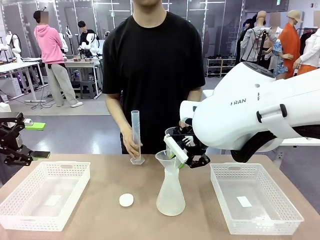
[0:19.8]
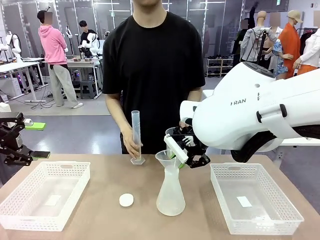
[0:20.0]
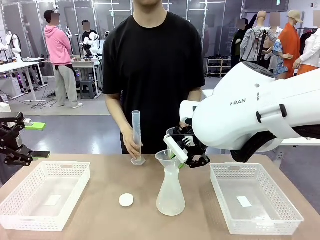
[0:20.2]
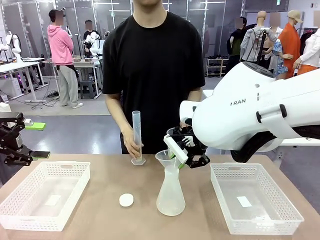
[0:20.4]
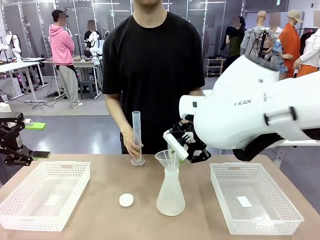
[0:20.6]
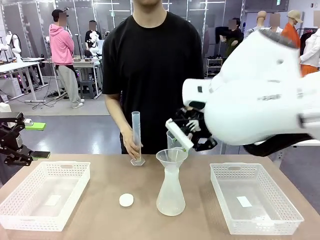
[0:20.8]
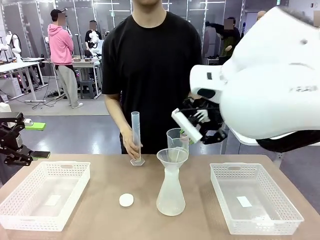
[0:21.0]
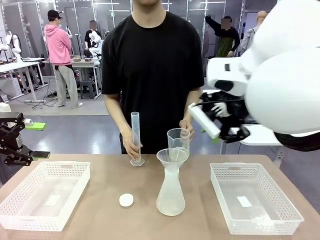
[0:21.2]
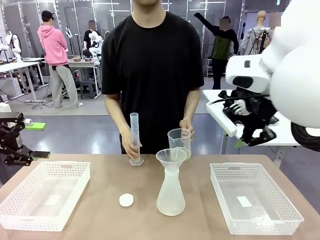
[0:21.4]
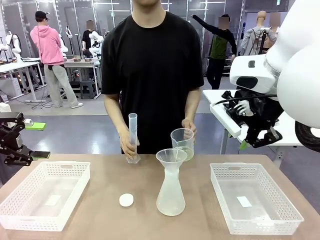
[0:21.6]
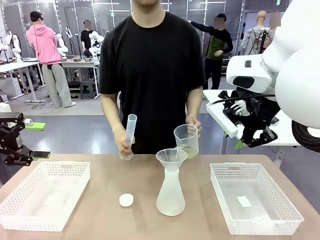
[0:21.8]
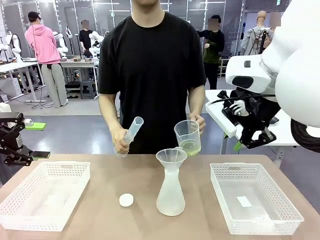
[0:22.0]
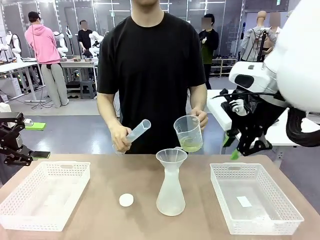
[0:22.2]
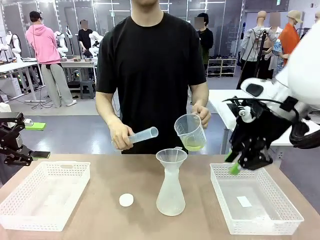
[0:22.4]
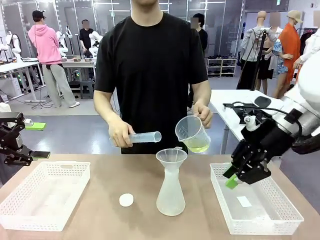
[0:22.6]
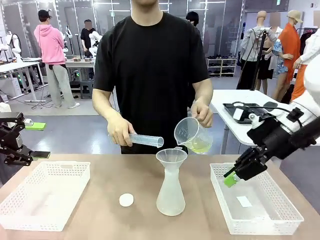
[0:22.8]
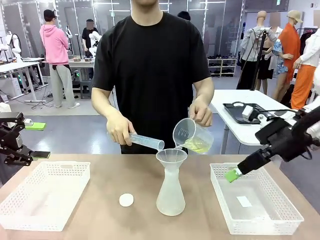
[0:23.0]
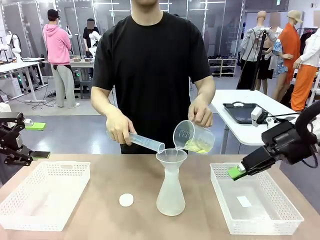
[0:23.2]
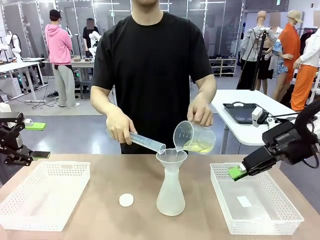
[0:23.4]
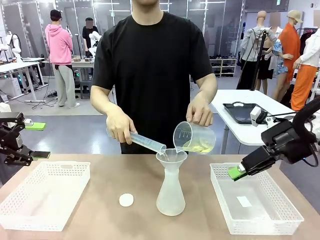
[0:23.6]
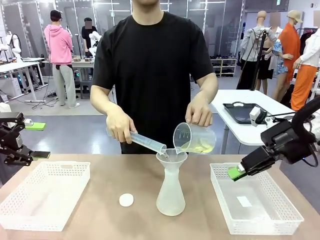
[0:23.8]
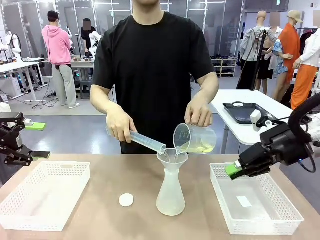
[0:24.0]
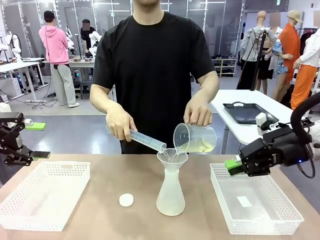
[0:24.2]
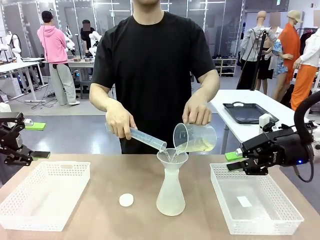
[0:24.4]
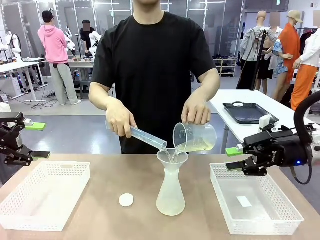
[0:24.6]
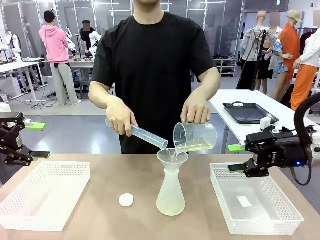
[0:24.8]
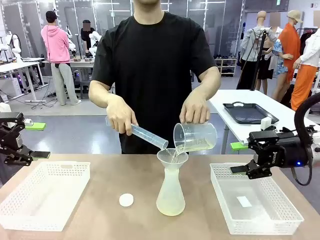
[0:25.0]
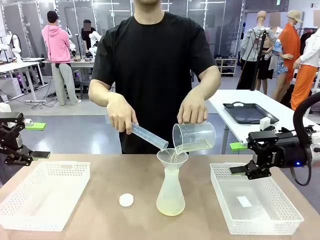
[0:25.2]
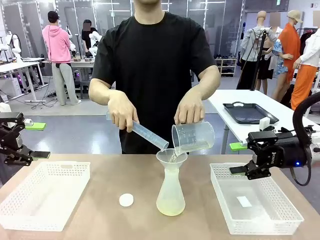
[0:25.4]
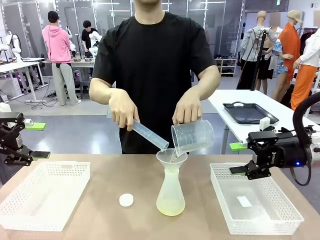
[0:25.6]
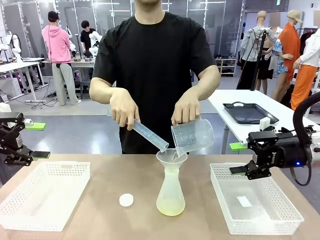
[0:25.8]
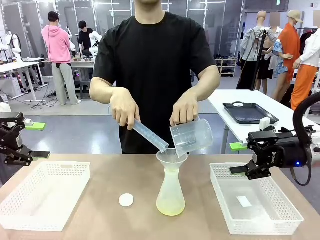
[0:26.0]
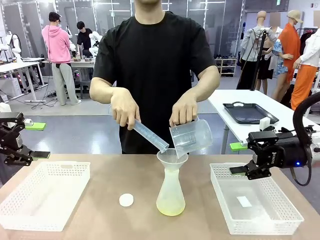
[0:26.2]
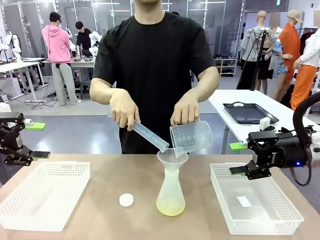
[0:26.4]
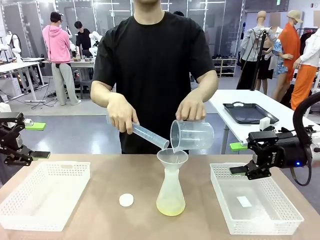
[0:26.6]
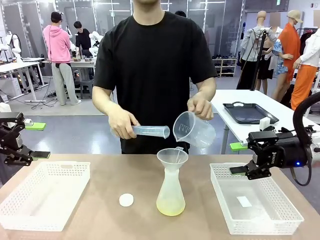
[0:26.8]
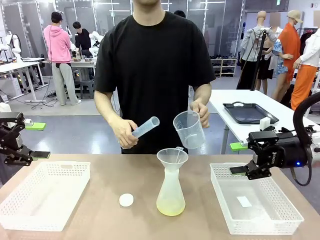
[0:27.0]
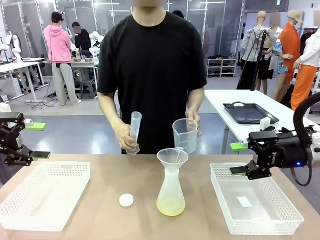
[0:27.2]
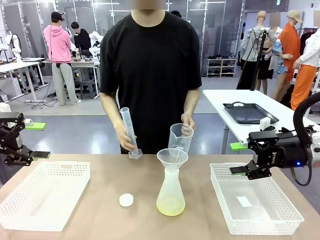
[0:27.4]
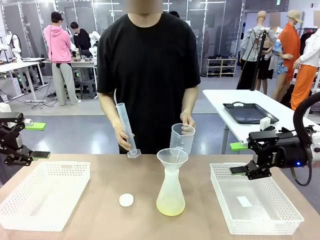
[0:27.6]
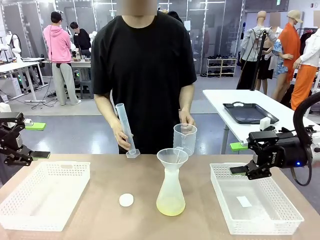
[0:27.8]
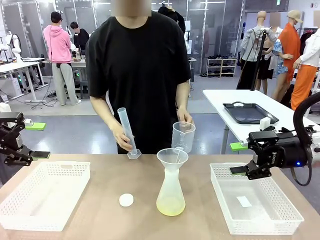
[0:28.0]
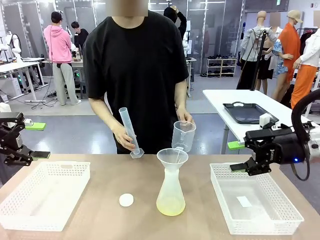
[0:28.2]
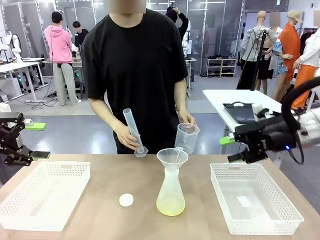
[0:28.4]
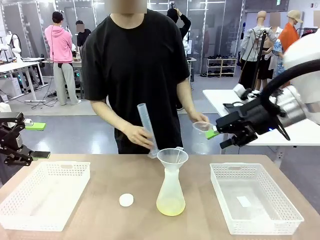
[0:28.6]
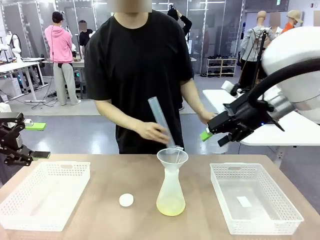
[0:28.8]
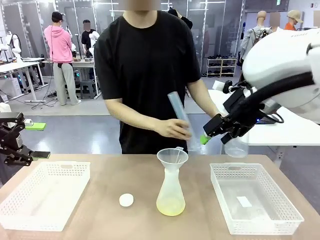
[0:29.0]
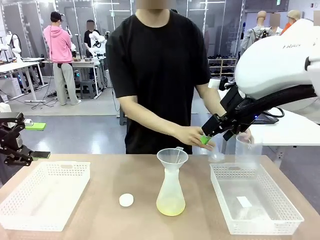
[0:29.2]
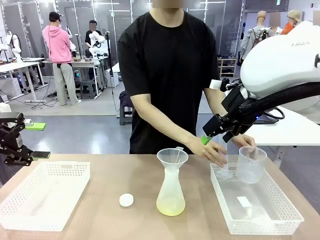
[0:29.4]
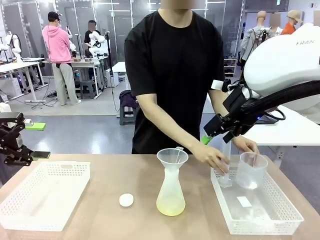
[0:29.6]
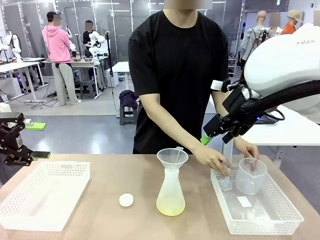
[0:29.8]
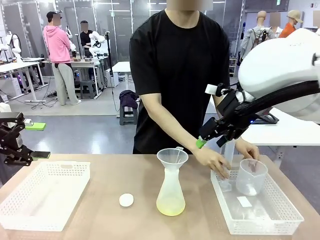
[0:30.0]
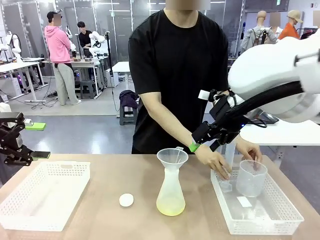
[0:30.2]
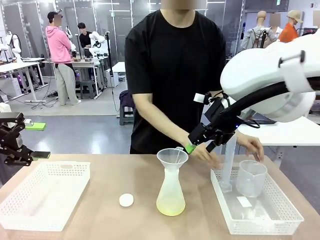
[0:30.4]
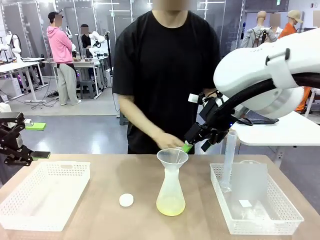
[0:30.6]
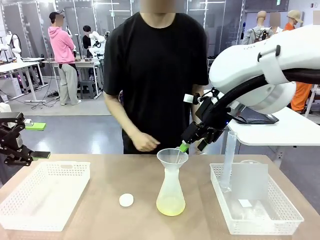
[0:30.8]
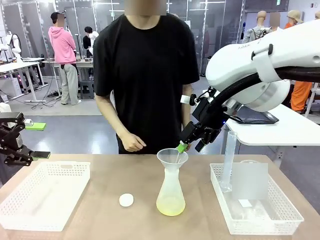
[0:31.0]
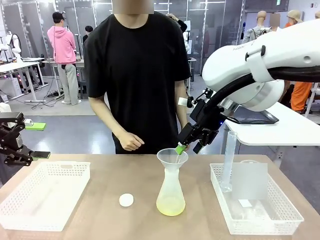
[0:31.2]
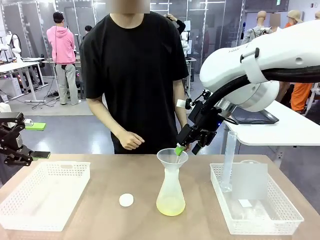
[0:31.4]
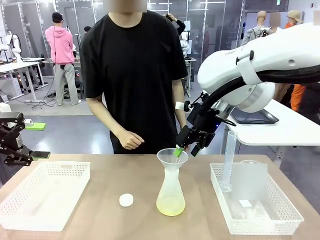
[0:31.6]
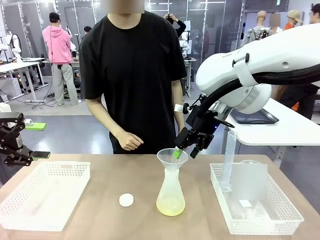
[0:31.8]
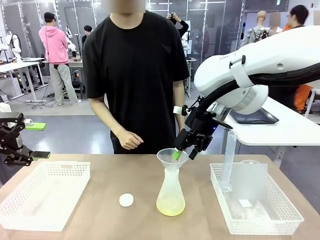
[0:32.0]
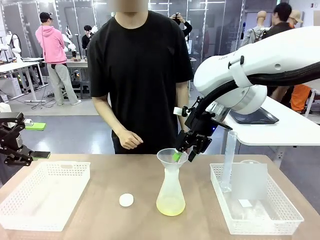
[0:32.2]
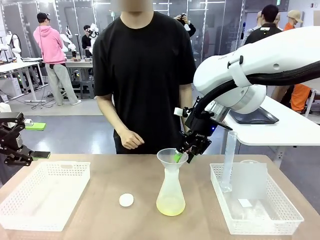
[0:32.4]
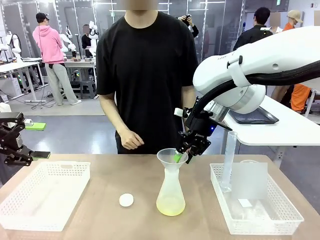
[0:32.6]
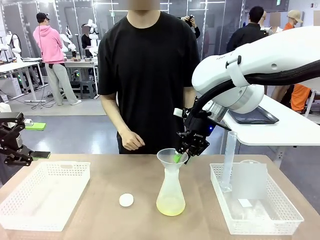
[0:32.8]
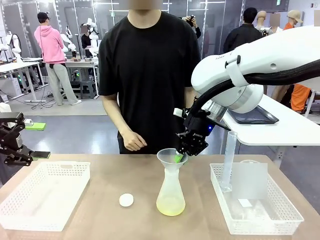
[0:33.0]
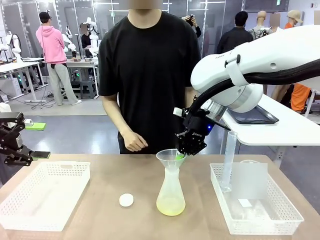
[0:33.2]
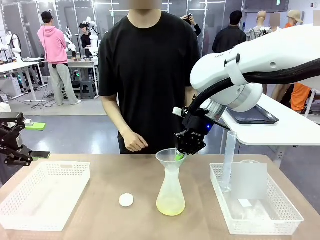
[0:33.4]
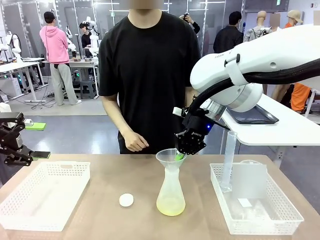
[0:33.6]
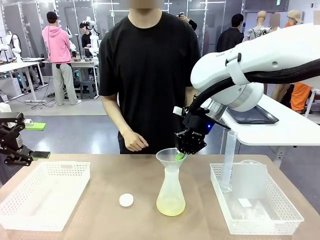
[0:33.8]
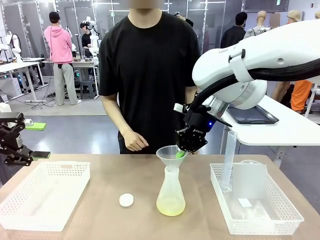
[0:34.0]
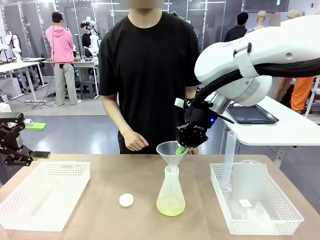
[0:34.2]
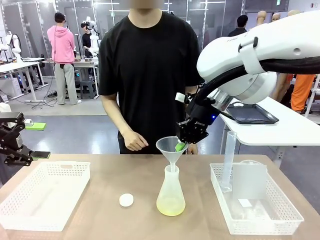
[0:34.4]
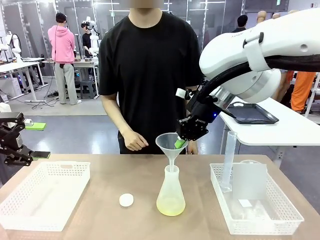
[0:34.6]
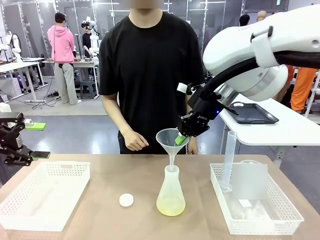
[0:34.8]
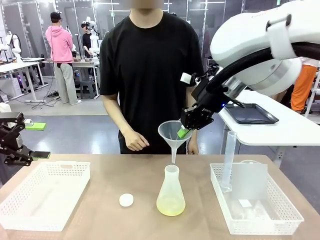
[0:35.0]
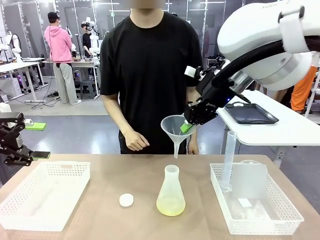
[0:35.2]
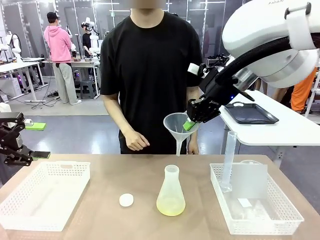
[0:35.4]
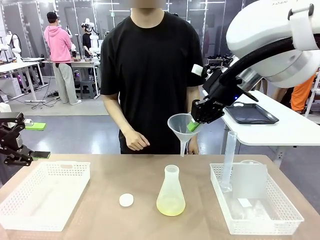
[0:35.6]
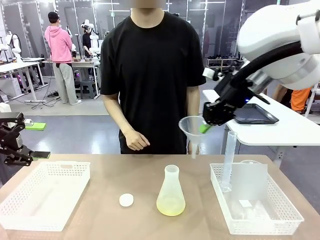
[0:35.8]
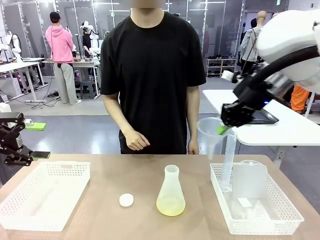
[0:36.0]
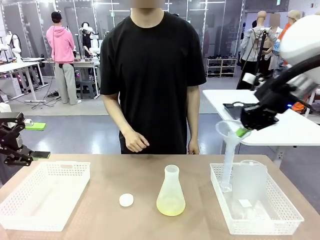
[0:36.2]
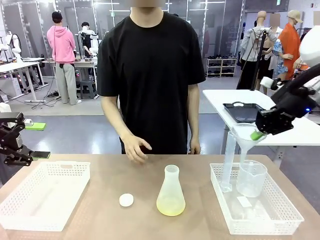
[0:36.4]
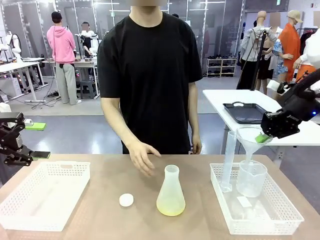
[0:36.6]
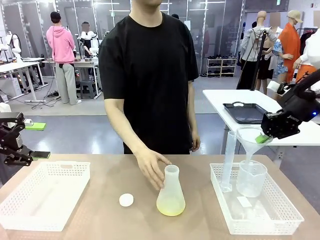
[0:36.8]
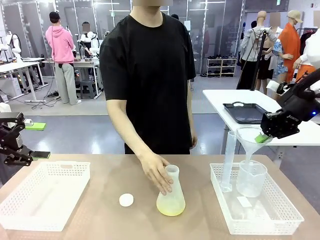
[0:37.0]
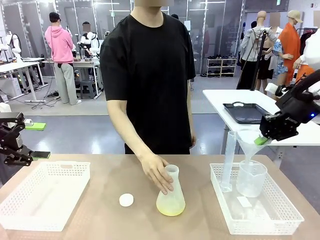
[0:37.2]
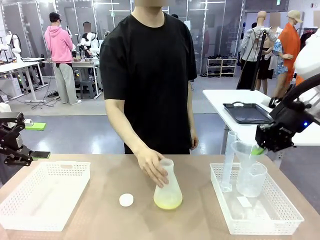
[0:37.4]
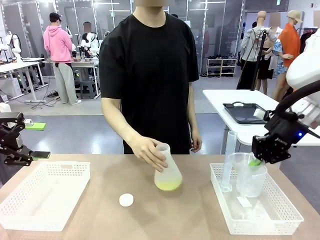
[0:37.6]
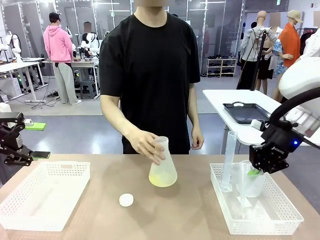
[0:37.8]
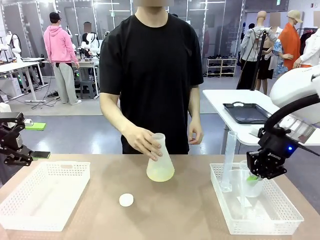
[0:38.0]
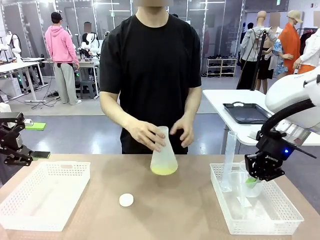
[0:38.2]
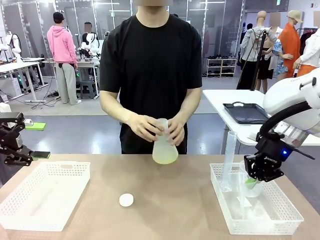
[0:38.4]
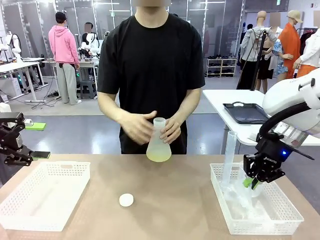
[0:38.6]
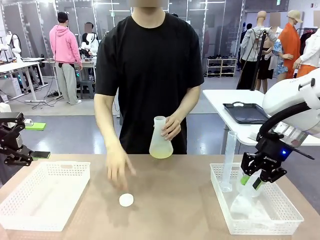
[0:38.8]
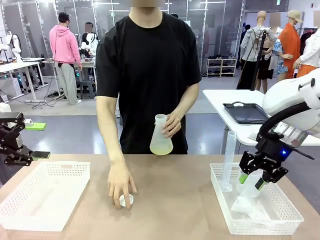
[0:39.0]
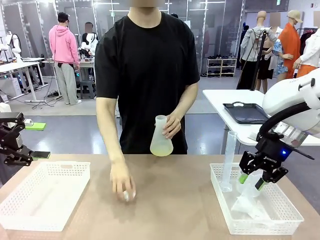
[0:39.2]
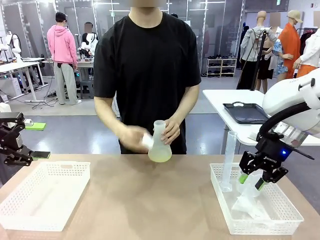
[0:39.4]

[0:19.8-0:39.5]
Task: Prepare the solutions needed for the experiment.
Robot: Once the solution is in the Big flask , pick up the Plastic Funnel and place it back into the right Organizing basket.
Person: Place the beaker and the cylinder into the organizing basket on the left side. Pick up the flask, gently shake it 2–3 times, place it in the middle of the robot table, and close the lid.
